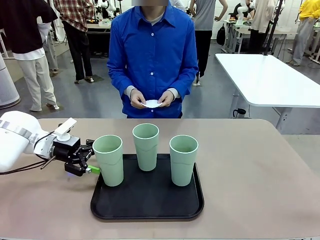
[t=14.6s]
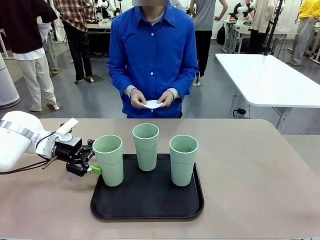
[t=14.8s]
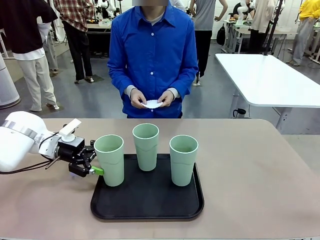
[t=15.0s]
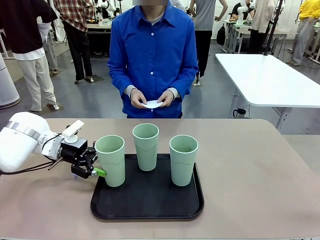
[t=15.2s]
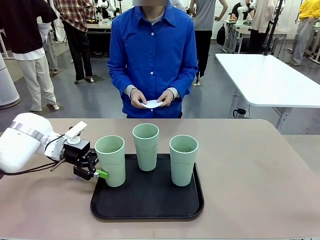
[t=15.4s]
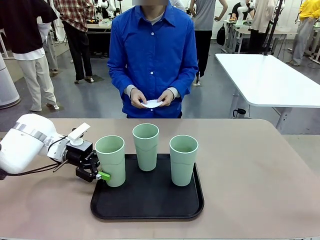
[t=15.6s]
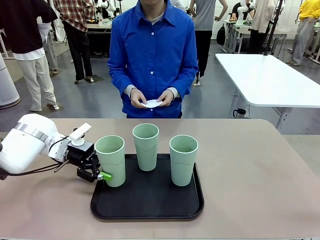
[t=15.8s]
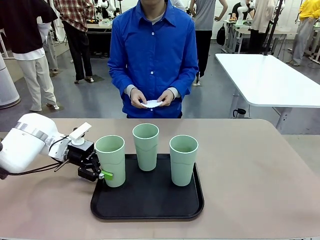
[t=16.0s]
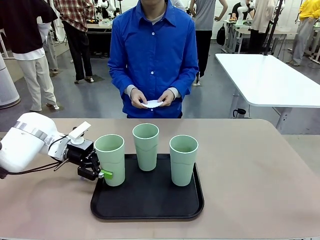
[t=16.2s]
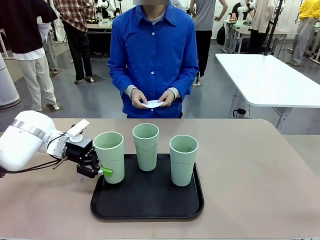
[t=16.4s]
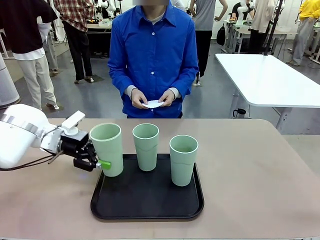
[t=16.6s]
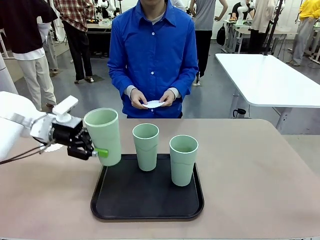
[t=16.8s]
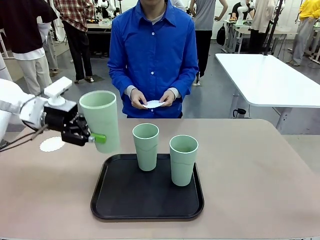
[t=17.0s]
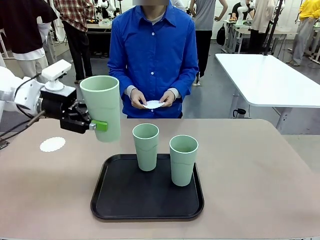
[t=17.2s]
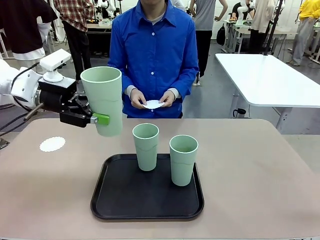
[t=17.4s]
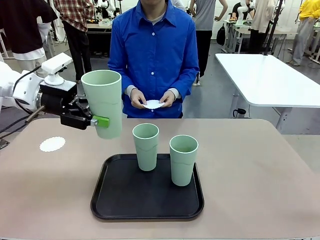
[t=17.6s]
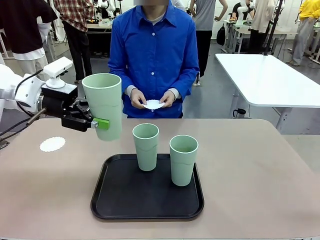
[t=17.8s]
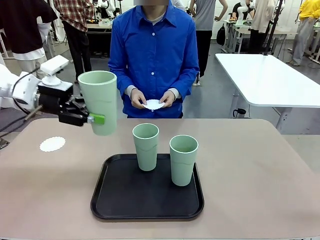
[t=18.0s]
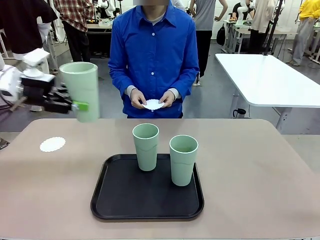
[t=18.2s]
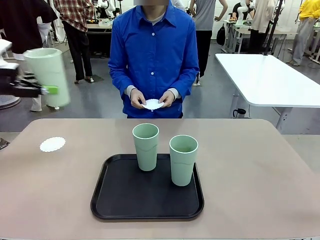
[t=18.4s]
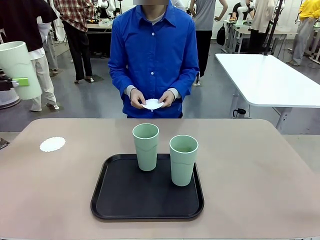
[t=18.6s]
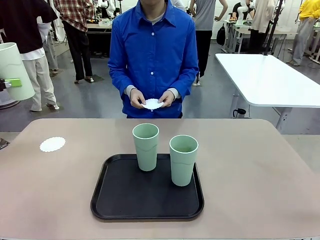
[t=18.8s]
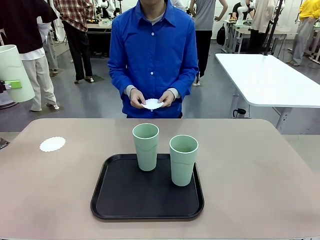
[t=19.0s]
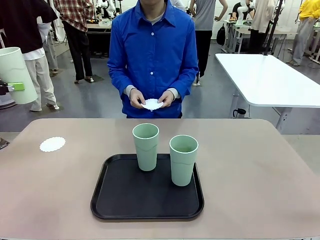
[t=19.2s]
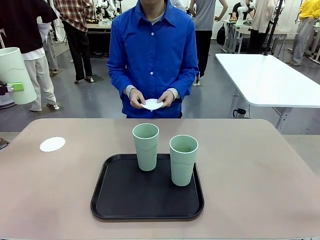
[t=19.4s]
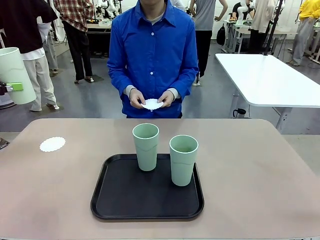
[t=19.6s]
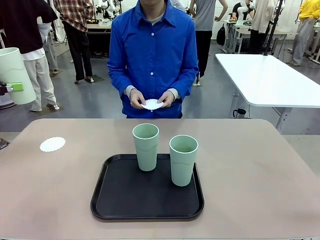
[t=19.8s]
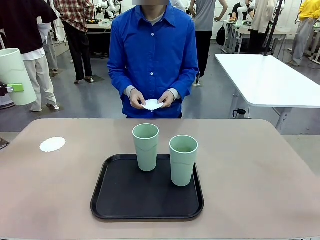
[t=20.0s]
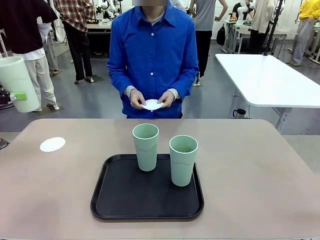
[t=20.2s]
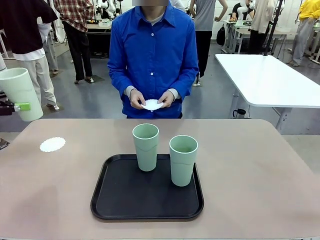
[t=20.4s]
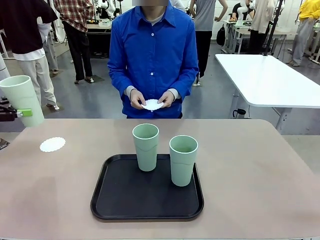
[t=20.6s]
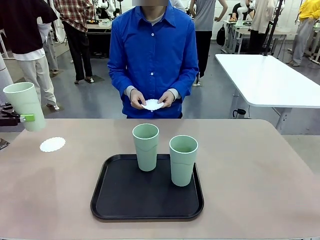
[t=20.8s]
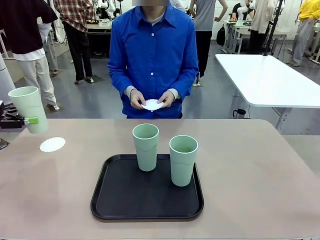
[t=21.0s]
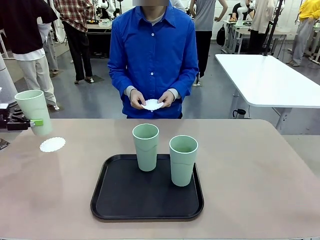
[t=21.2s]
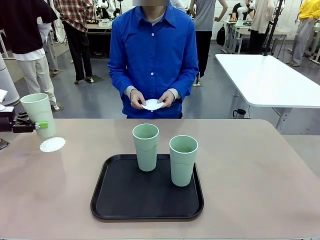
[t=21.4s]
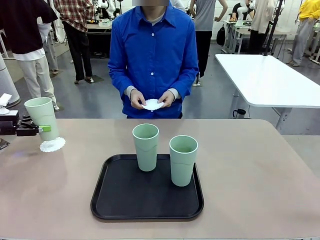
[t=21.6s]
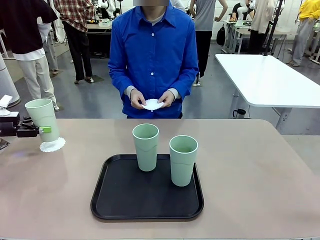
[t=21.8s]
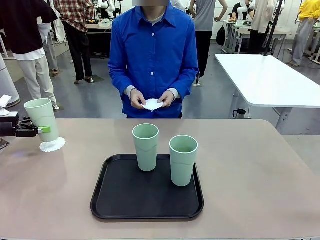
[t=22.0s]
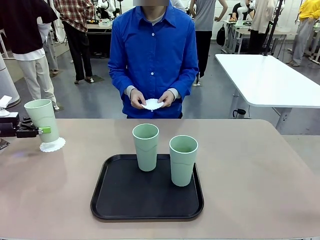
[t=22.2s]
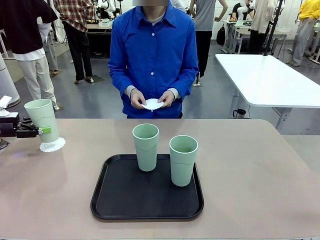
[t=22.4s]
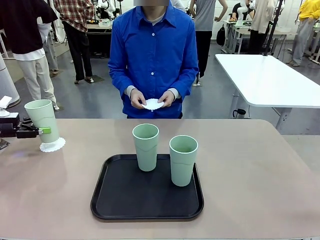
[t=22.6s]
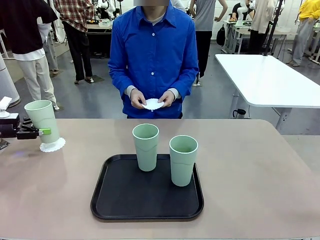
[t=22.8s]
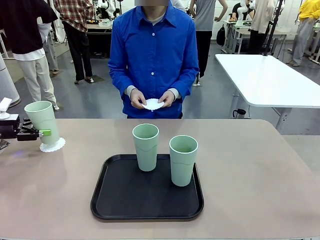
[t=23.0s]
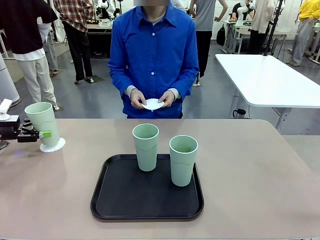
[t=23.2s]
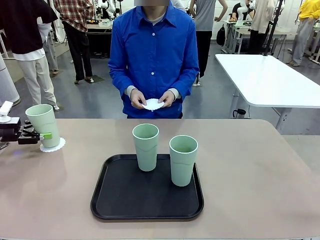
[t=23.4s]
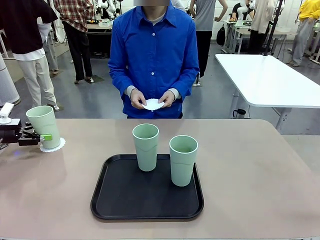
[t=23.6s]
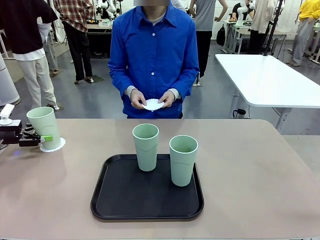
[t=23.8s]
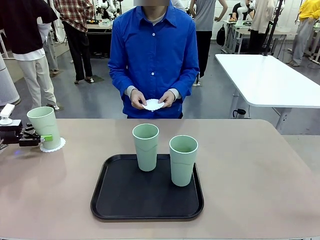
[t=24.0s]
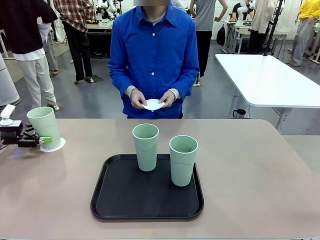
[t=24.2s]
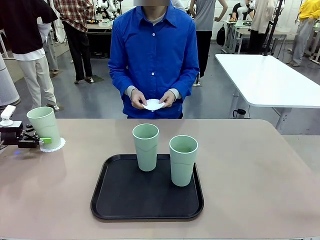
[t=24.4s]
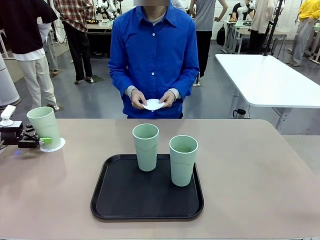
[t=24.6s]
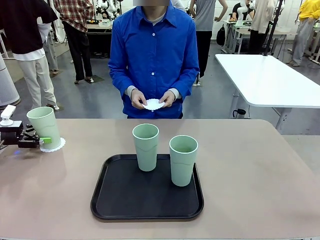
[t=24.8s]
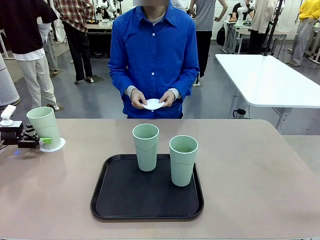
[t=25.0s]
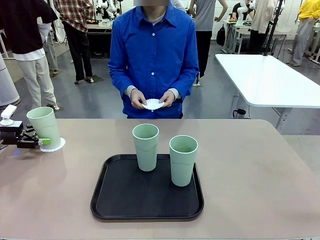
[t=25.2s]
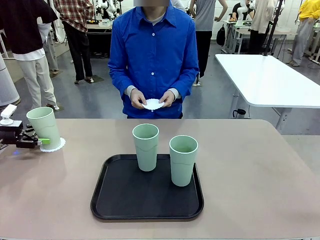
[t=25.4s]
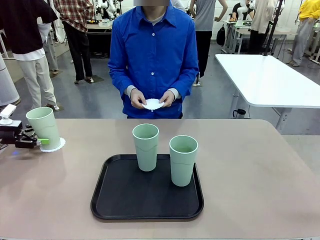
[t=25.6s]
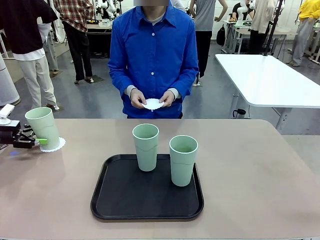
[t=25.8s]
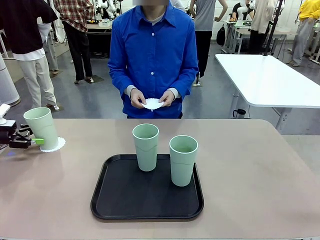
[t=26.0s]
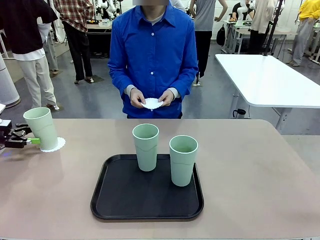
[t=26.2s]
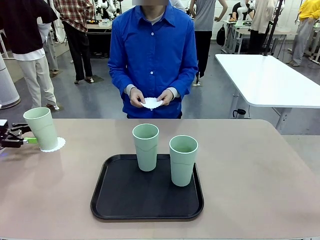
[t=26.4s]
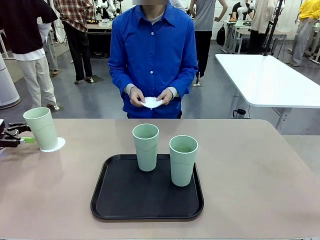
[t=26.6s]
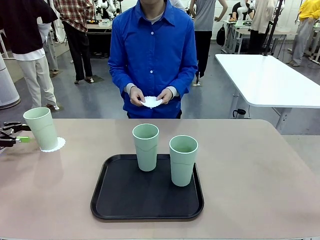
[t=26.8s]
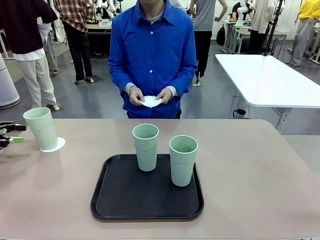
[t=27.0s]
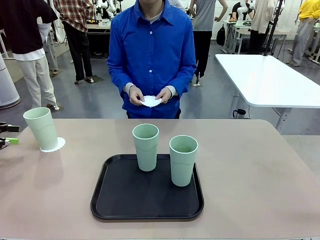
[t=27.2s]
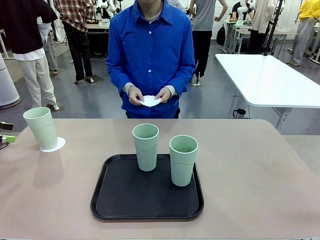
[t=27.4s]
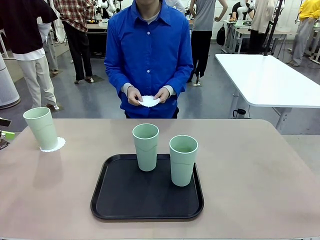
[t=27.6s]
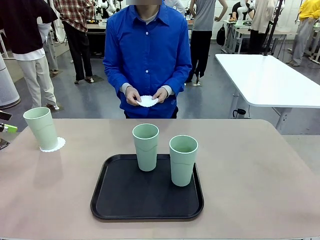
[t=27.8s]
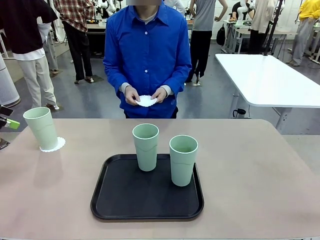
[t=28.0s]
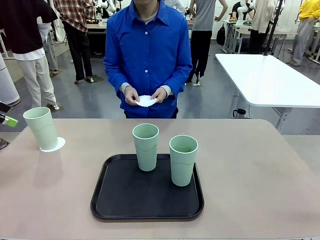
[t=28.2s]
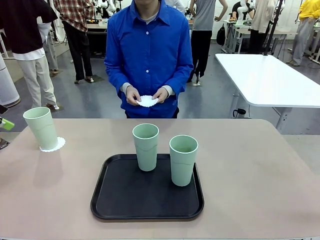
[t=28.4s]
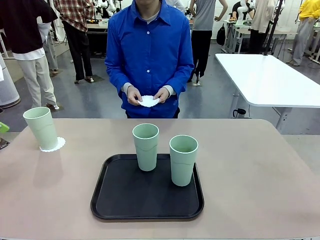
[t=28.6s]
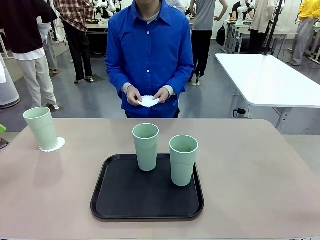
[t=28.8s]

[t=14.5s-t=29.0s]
Task: Place coasters on the table and set cups on them.
Robot: Pick up one Reusable plastic cup and place it on a coaster set by the human.
Person: Place one coaster in one of the two areas excluding the previously selected area.
